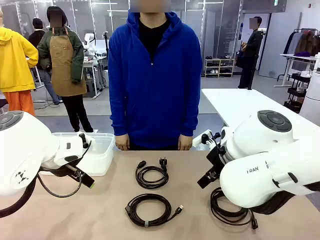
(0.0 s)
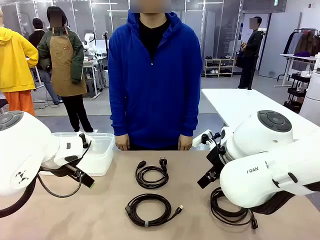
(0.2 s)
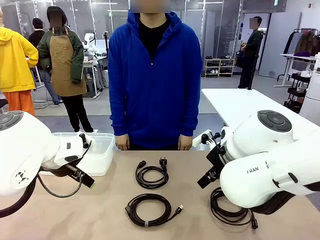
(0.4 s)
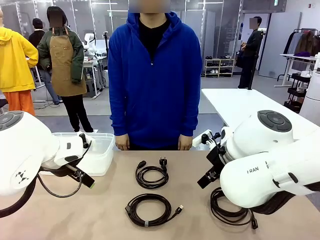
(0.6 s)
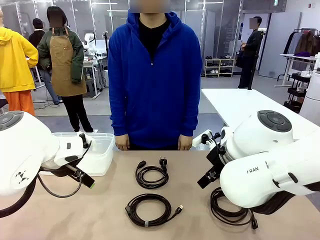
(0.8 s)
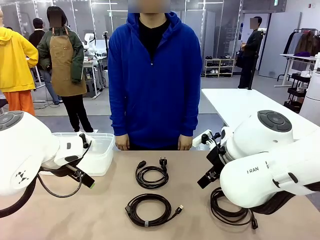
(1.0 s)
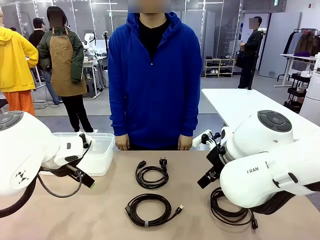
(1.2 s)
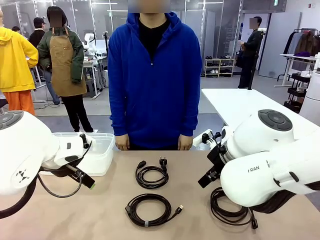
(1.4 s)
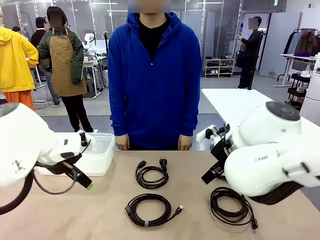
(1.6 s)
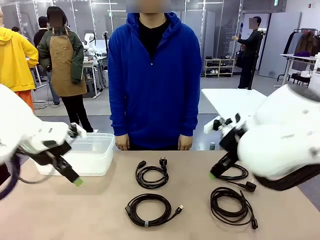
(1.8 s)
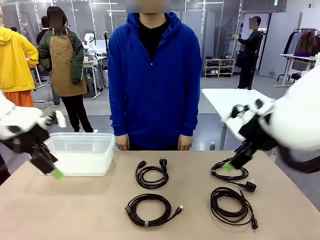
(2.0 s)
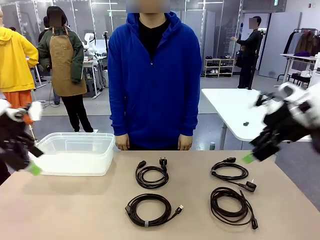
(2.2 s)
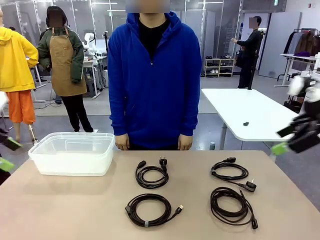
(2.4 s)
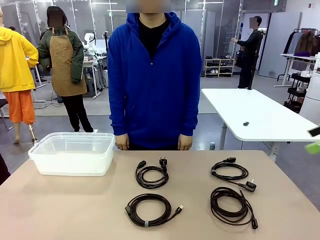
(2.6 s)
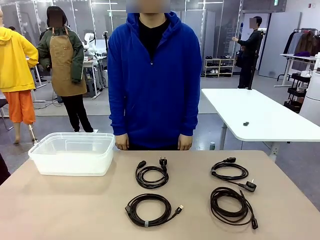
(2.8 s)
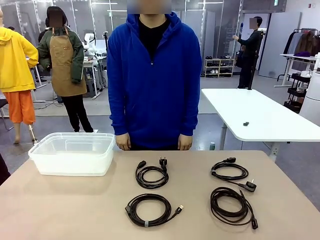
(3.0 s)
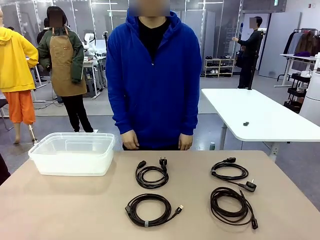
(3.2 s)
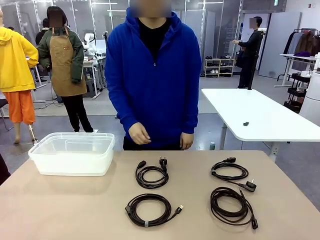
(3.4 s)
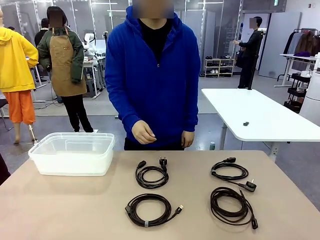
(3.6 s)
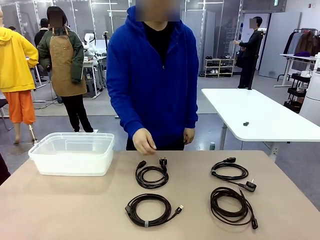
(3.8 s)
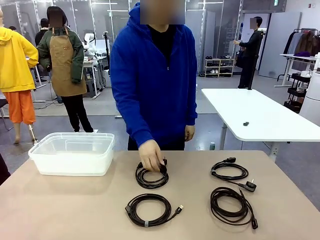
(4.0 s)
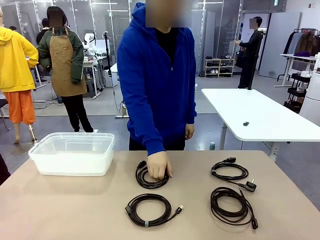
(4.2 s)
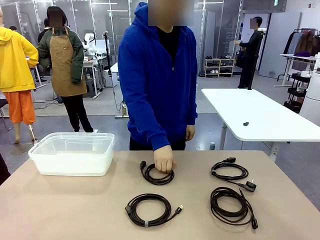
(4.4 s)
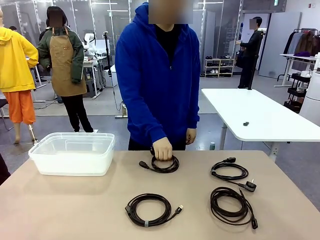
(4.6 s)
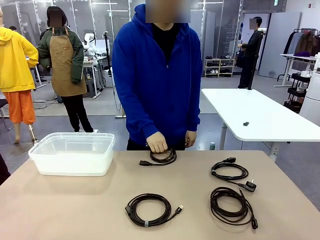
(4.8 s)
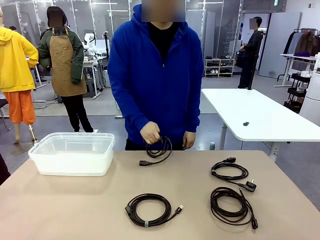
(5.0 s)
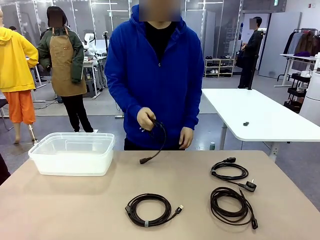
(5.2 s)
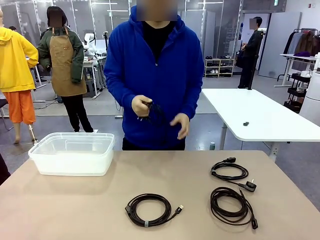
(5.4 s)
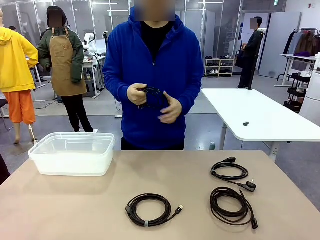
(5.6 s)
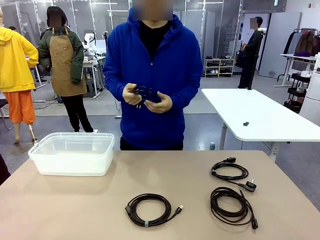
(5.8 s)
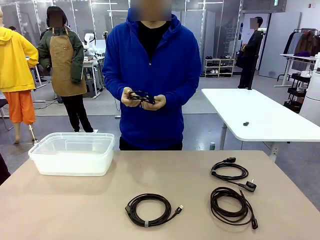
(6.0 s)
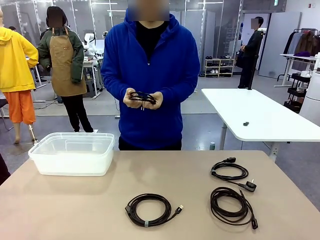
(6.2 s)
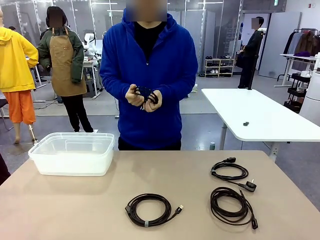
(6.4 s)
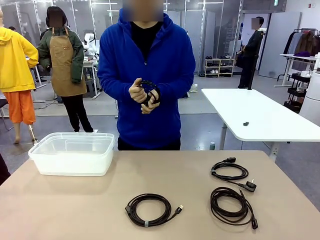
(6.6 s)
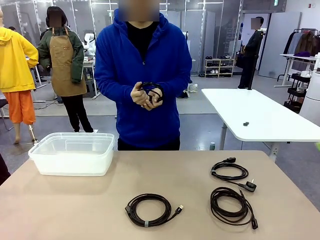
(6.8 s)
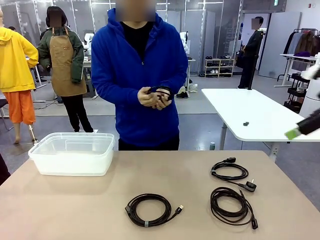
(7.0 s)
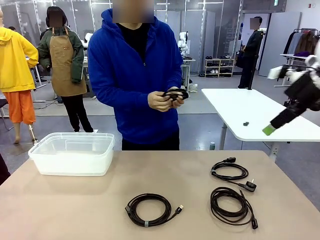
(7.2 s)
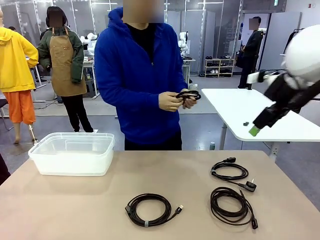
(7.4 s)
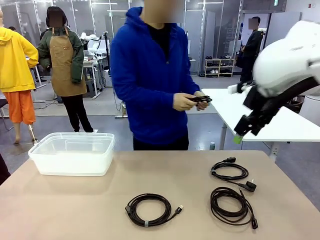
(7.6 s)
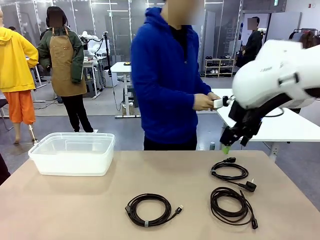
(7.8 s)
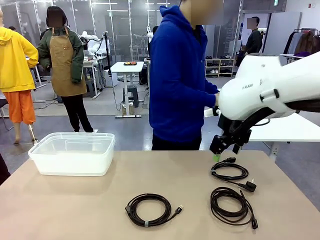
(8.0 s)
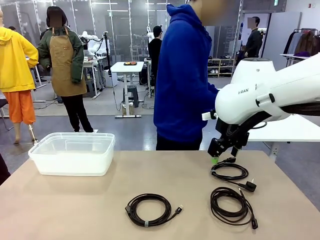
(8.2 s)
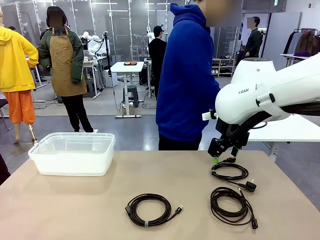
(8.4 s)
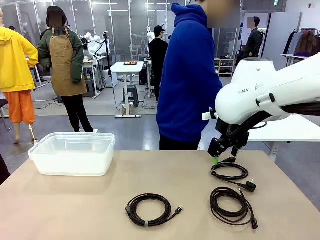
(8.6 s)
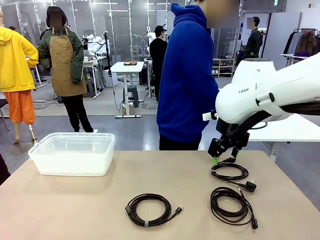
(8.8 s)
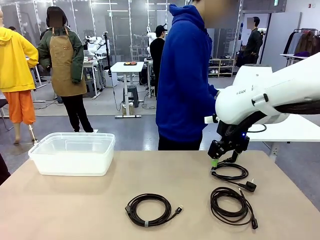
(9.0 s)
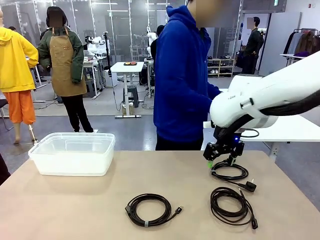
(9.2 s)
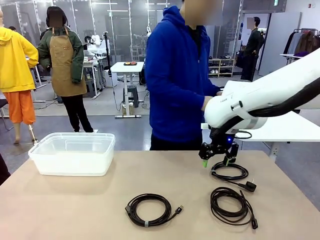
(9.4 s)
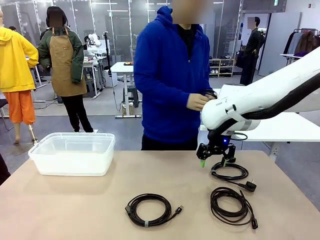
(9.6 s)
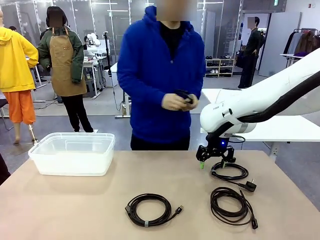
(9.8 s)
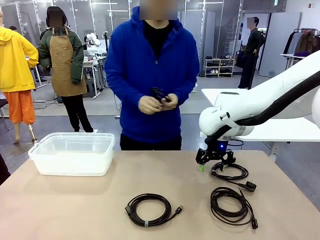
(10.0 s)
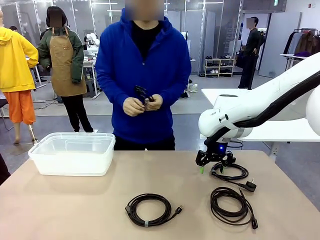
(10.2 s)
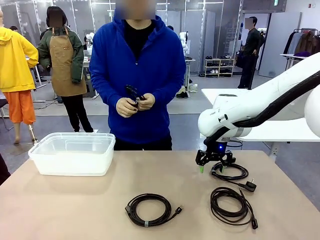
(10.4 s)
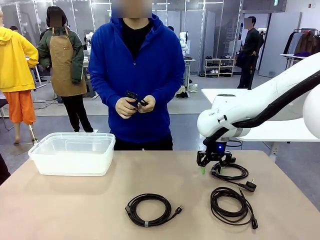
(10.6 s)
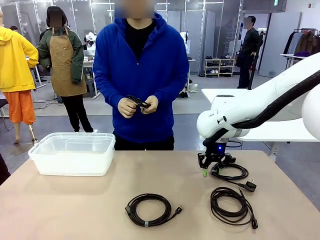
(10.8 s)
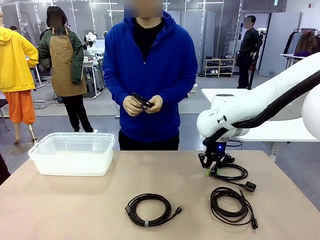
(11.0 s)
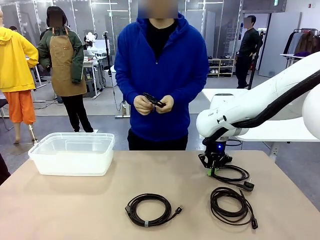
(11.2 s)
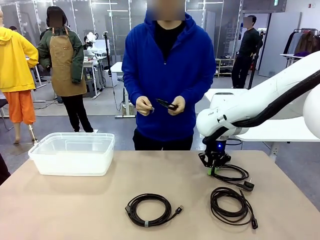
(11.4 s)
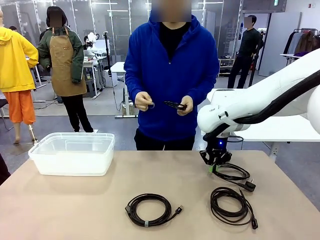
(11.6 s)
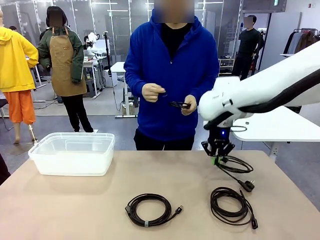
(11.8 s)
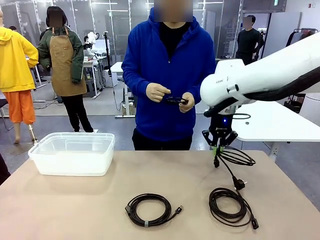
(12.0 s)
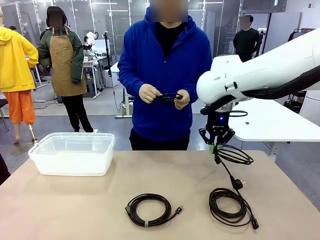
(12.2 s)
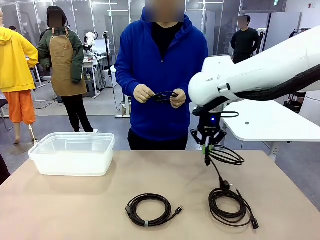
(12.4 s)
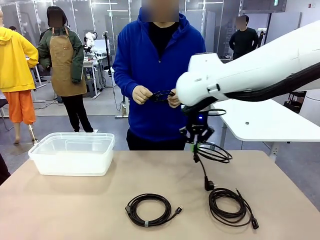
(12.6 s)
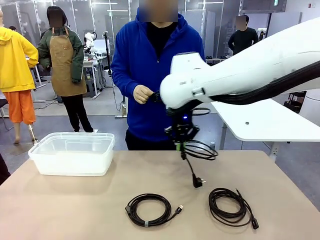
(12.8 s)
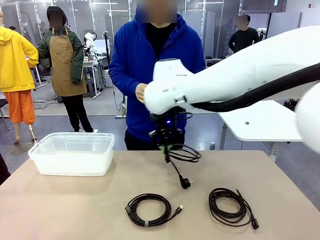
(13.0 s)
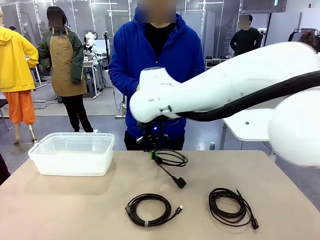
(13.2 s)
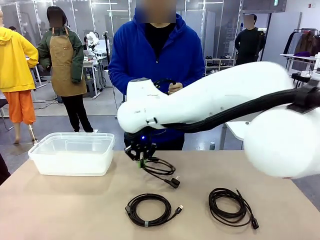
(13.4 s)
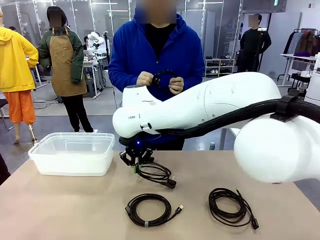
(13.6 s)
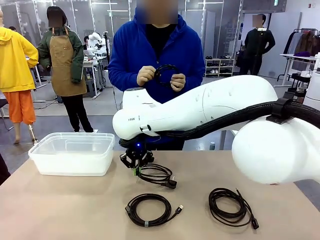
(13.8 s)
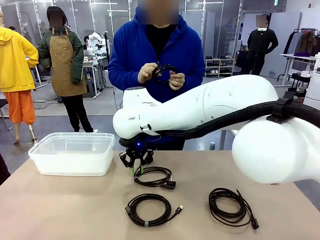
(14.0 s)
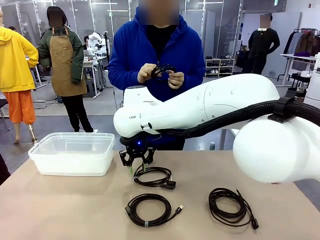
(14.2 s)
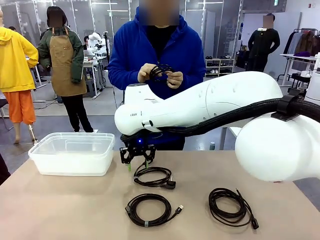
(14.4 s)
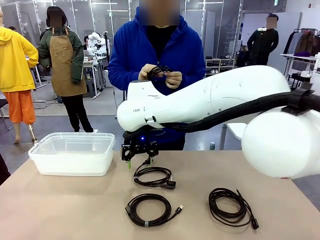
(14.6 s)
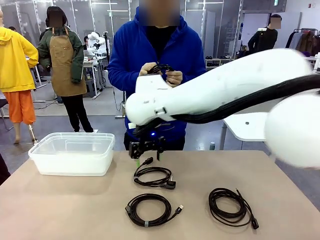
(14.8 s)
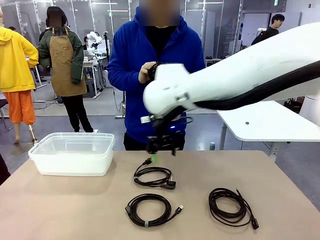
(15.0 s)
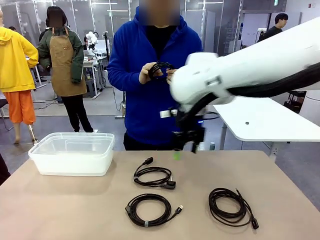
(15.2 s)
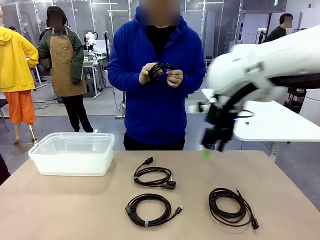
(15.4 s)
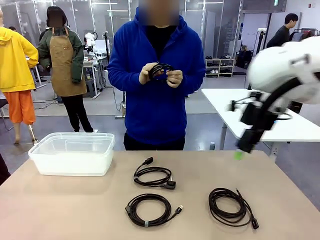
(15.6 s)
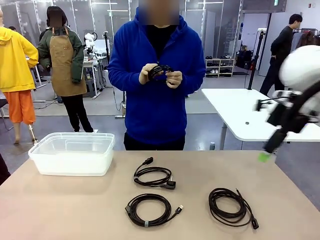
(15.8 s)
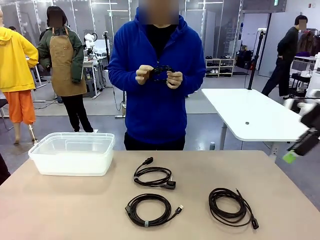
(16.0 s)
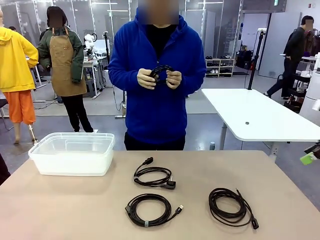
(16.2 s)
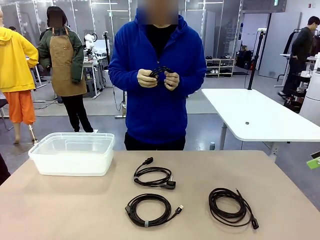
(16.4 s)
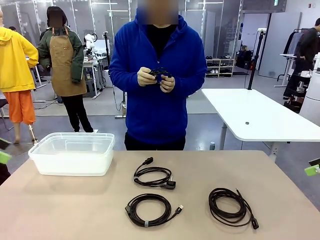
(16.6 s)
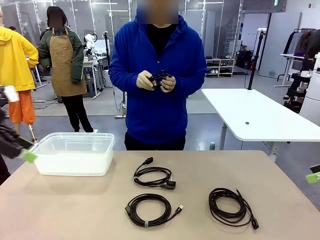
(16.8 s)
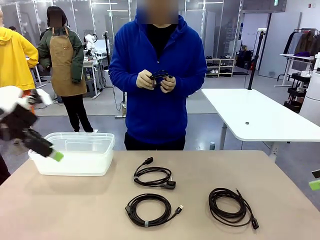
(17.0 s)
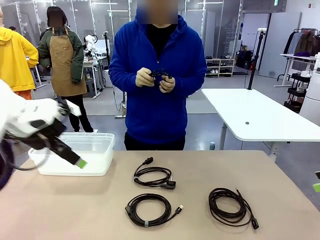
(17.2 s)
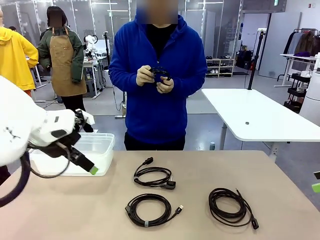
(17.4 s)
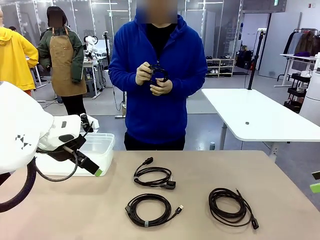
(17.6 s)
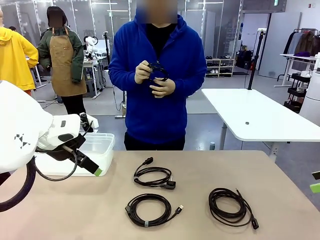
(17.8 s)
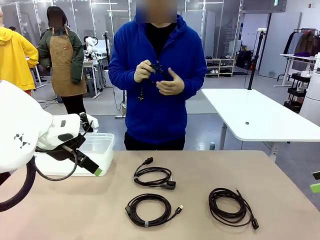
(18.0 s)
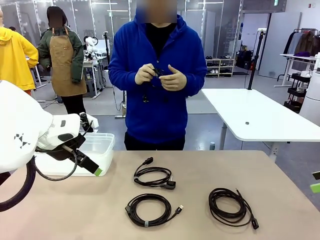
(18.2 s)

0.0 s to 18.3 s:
Task: Organize and store the cables.
Robot: Place the Power Cable into the Organizing box.
Person: Tie one Power Cable with a Reusable Cable Tie.
